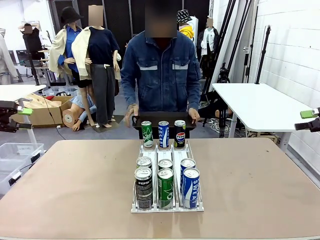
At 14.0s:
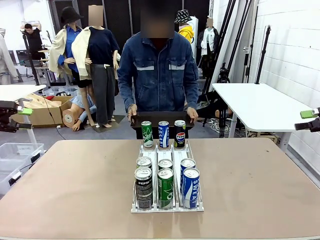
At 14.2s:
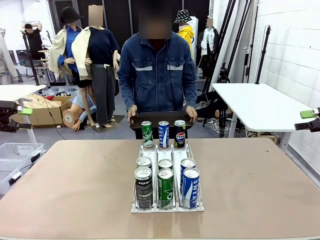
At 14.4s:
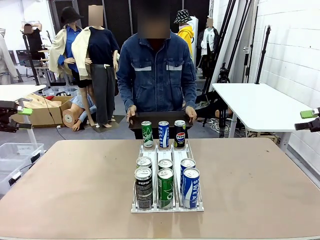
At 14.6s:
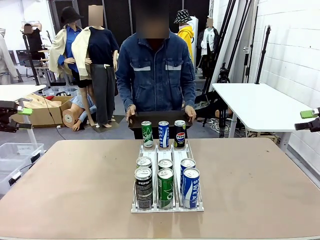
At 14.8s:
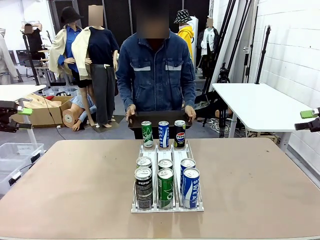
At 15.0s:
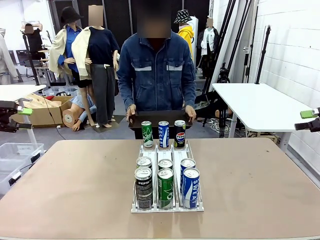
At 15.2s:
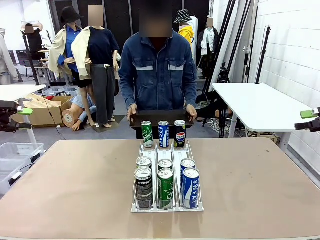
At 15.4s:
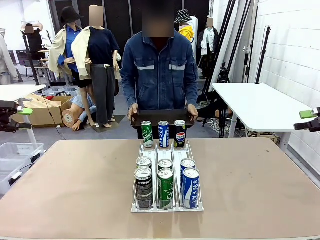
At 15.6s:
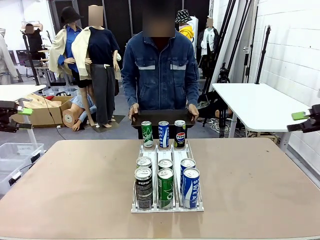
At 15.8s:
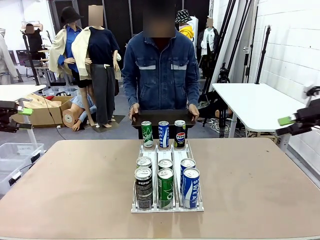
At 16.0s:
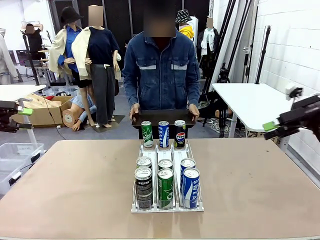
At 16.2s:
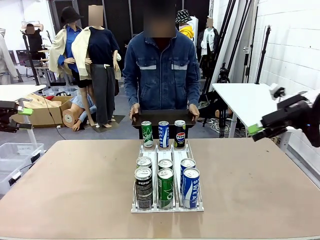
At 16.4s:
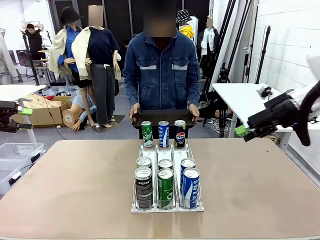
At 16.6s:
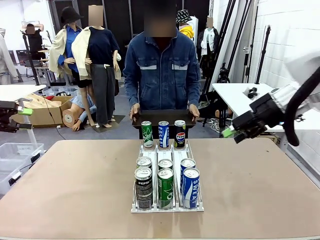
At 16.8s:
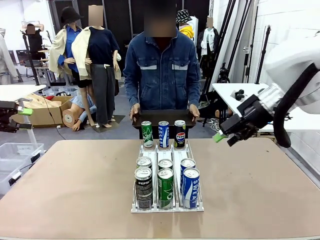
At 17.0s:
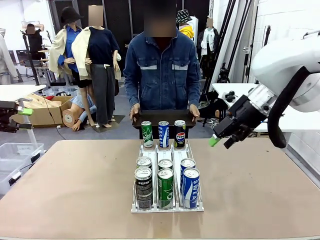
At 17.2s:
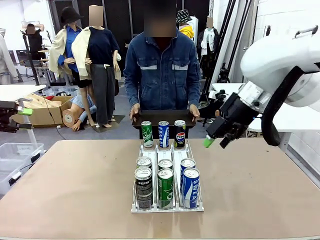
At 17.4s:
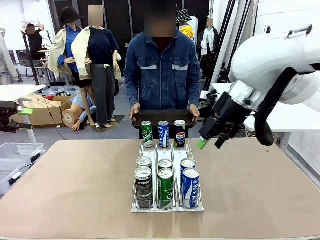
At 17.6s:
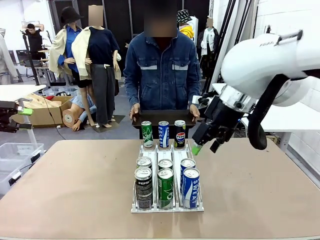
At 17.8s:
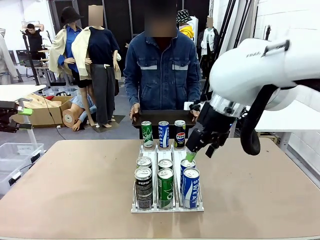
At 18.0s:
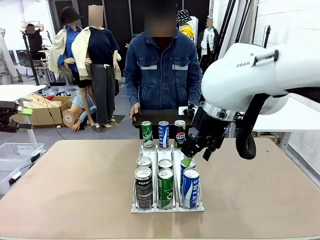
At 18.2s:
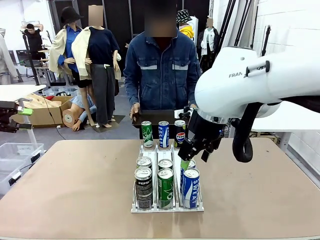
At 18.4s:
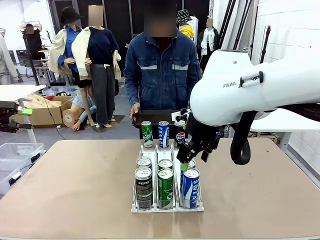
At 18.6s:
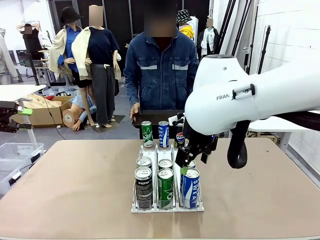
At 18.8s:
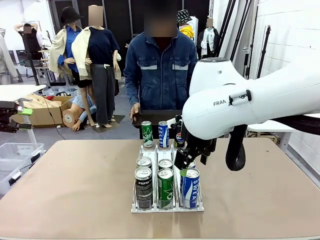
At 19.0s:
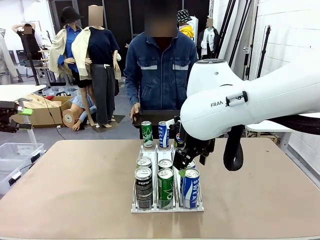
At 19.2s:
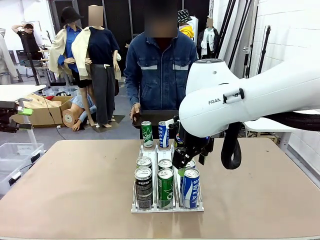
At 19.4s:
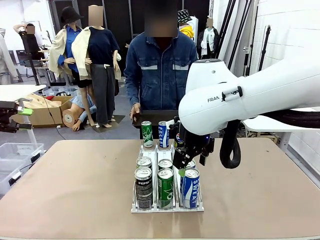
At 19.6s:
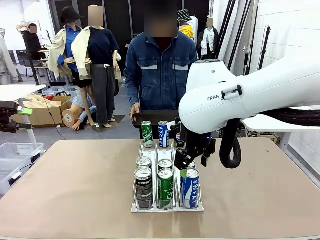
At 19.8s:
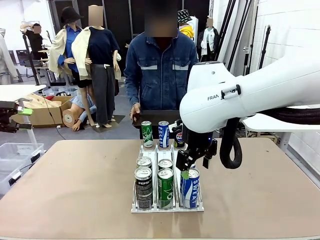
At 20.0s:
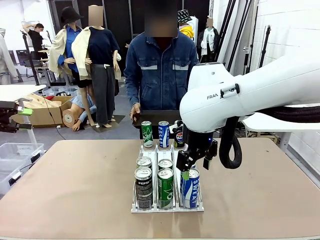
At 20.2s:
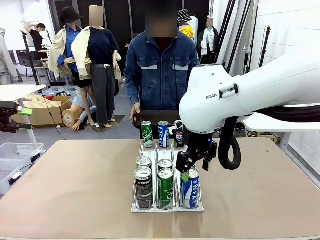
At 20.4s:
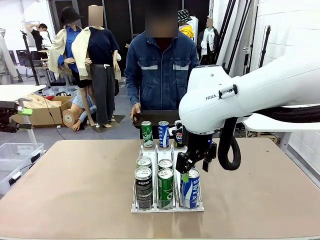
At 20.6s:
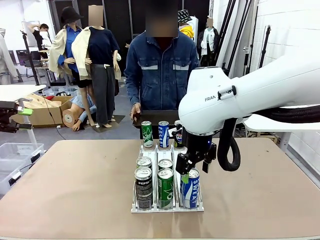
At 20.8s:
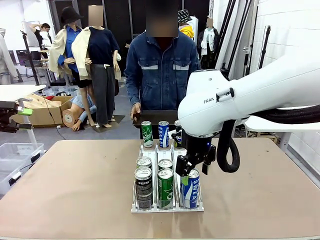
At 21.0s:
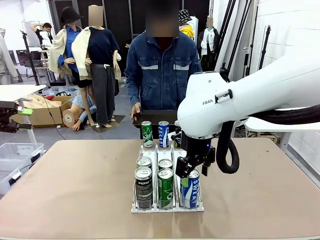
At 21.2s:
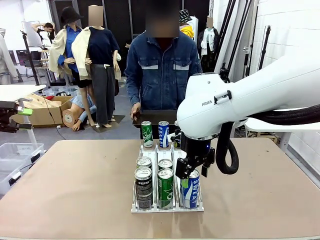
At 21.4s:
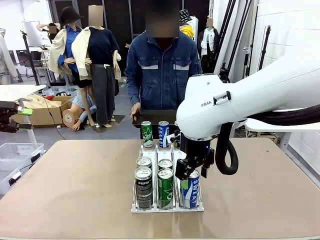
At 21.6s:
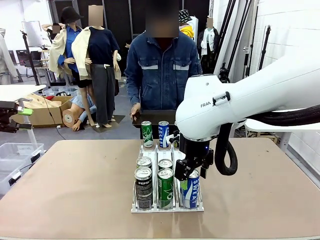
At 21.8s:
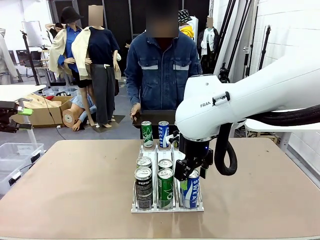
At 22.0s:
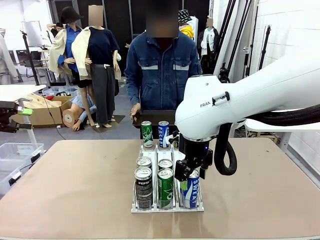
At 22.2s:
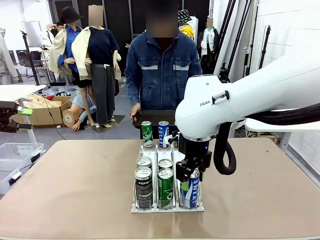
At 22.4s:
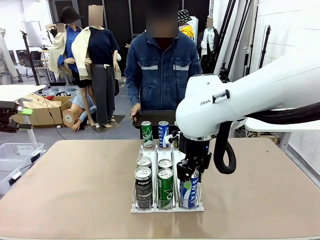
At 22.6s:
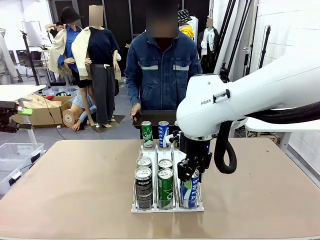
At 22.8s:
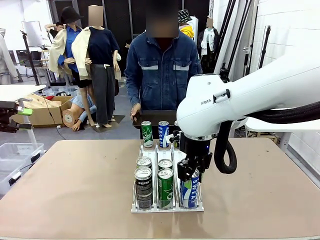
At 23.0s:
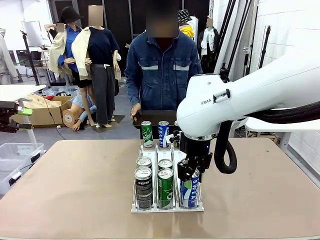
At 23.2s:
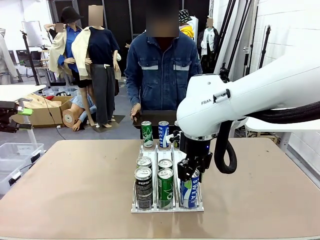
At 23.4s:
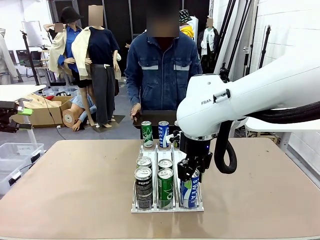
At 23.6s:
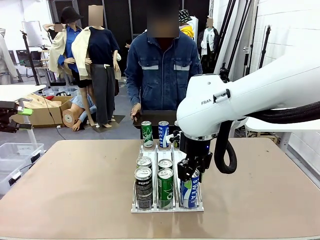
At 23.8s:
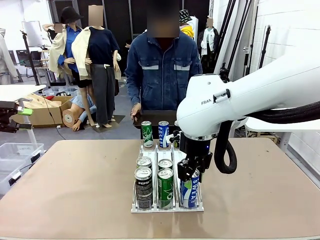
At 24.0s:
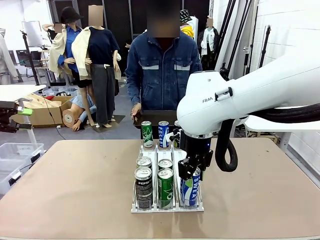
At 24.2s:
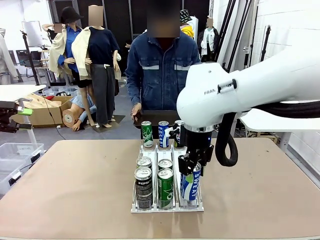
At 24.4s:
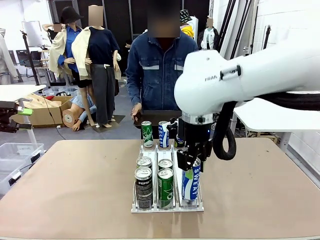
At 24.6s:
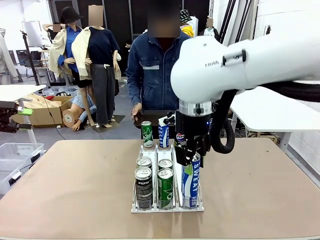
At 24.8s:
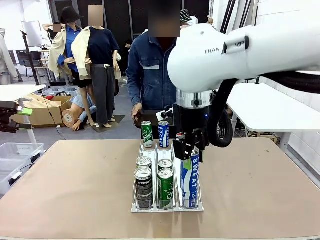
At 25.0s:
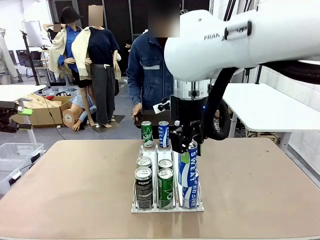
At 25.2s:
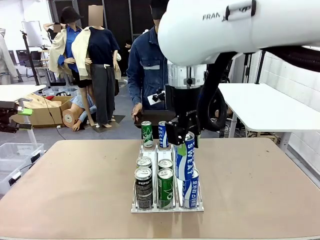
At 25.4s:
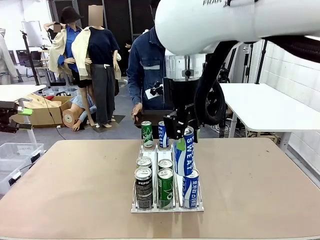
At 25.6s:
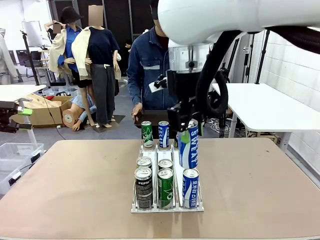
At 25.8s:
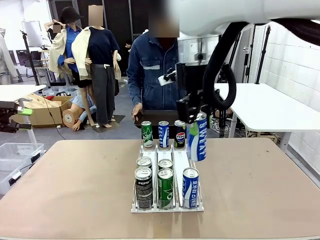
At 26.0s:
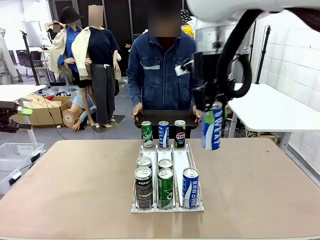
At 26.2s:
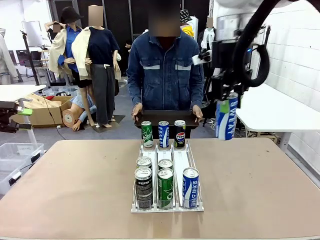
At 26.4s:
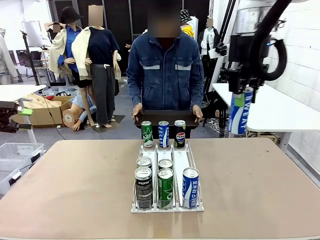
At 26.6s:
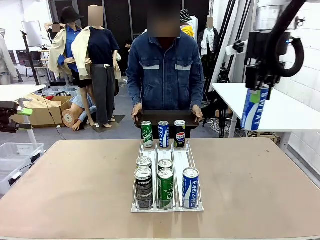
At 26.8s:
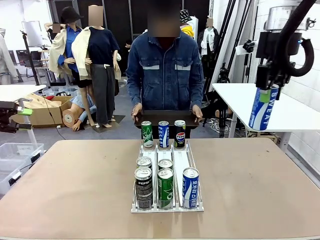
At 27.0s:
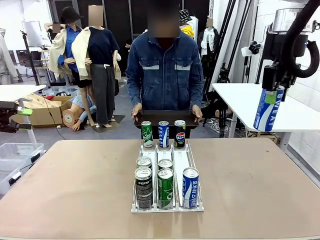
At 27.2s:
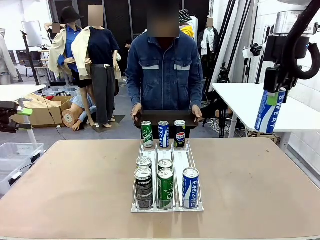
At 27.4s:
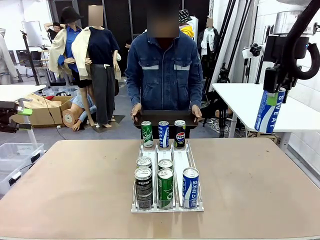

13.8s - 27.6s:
Task: Retrieve and hand over the desired beverage to the person.
Robot: Pick up a can of the same type that the person held from the Automatic Can Dispenser.
Person: Push the tray toward the robot.

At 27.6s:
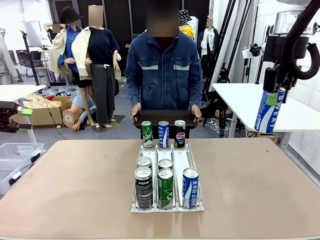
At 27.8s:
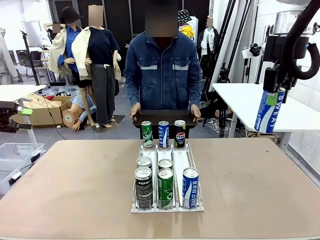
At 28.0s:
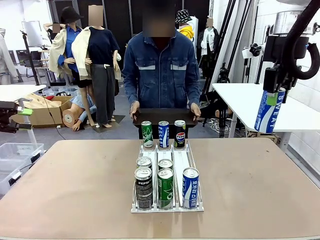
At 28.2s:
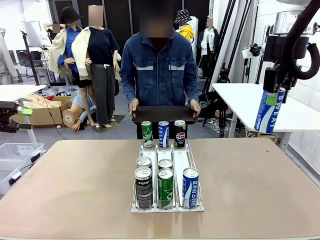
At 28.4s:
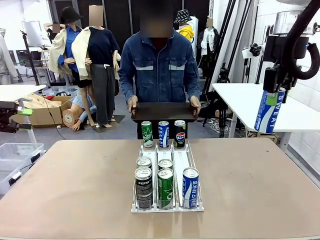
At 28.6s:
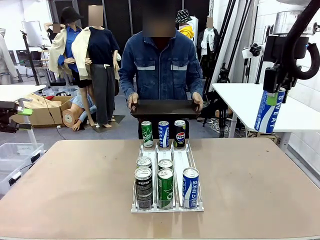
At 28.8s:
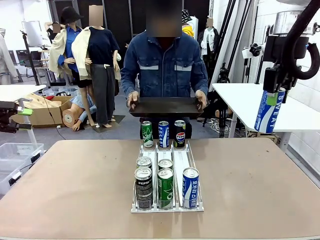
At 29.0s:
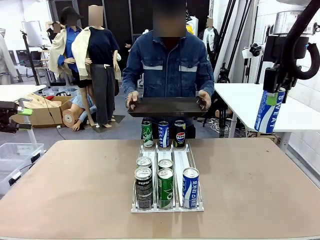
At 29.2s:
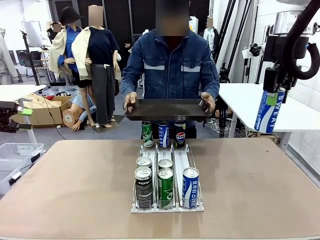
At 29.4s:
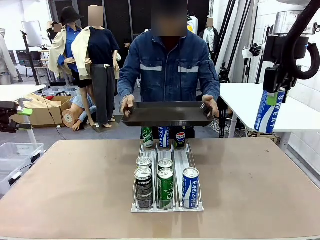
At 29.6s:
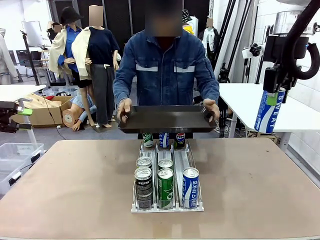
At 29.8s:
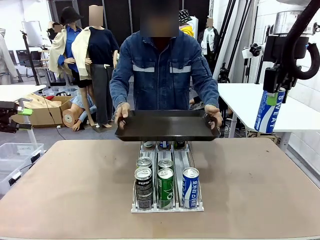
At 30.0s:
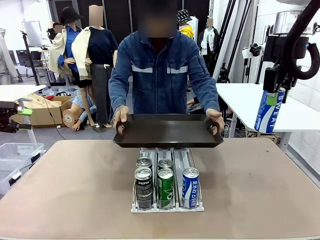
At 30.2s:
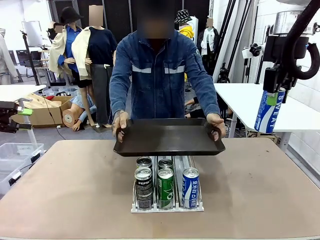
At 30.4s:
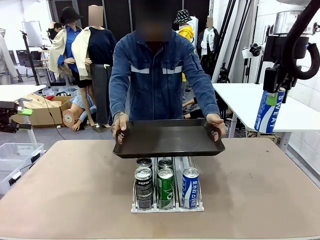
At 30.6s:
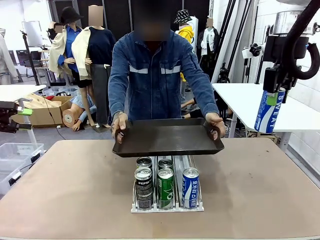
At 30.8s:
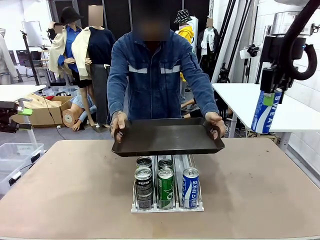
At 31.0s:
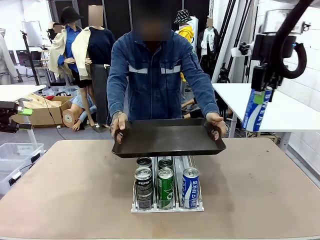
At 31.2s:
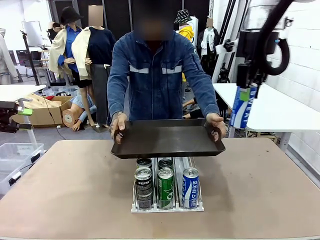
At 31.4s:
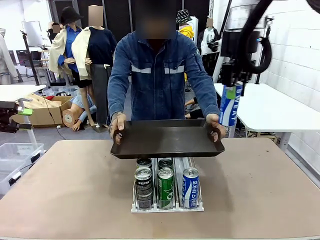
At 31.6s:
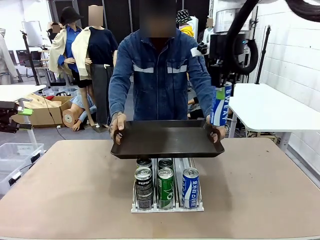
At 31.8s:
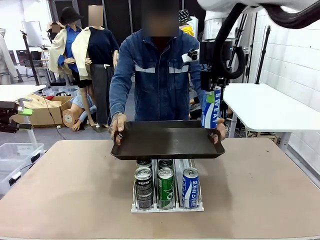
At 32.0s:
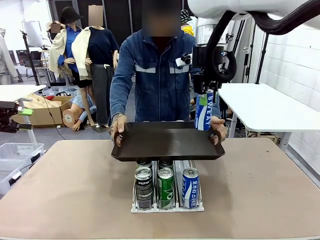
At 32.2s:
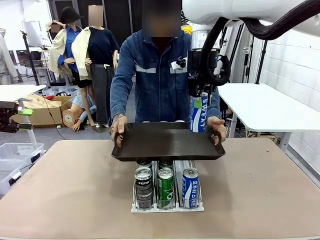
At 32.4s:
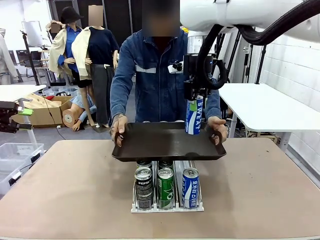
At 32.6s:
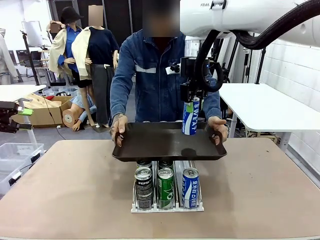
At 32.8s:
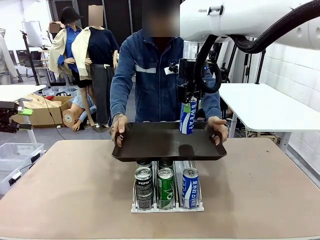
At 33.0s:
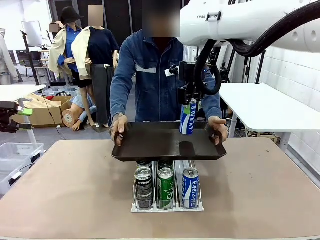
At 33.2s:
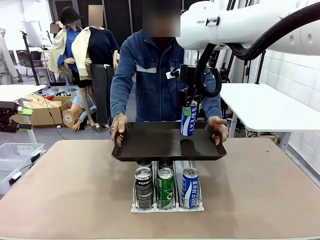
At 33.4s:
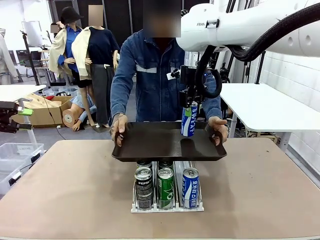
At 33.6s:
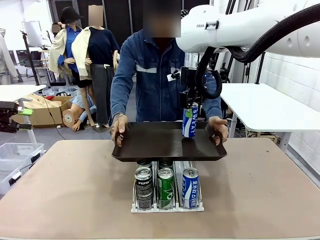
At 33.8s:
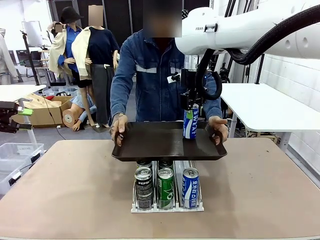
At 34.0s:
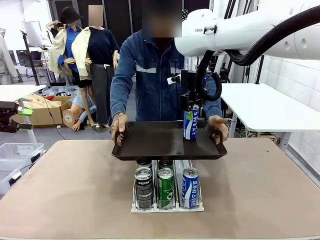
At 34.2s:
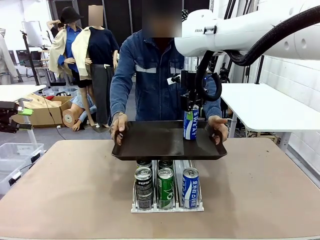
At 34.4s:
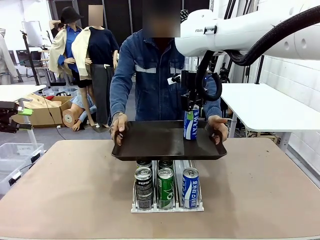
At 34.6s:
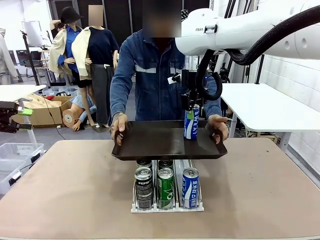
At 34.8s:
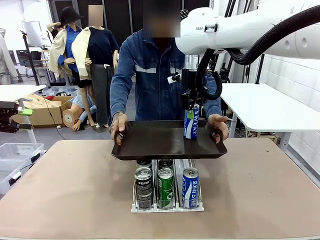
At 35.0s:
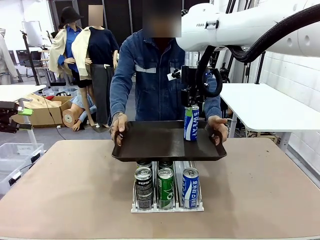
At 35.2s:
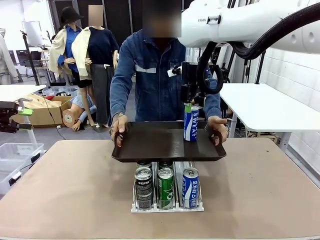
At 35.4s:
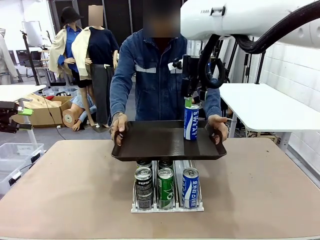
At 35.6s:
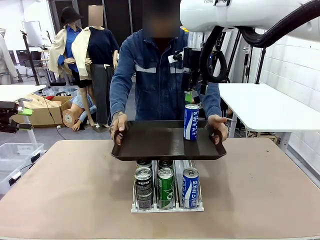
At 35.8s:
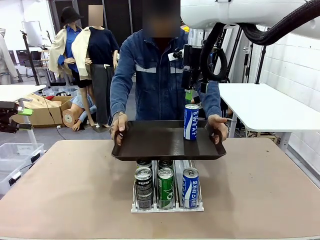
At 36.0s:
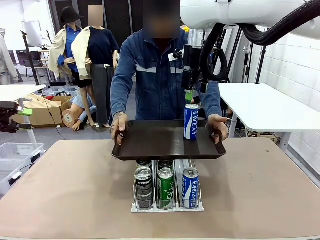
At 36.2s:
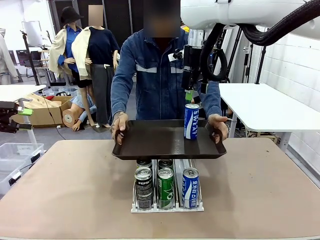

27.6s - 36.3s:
Robot: Place the picked can on the Handle tray extended by the person.

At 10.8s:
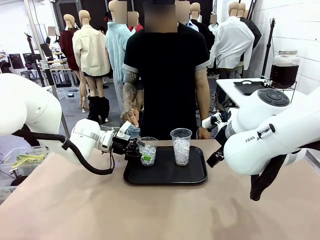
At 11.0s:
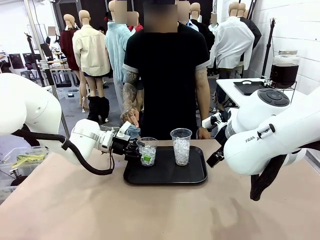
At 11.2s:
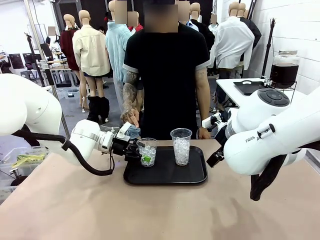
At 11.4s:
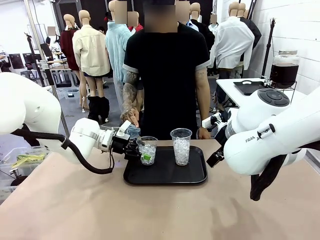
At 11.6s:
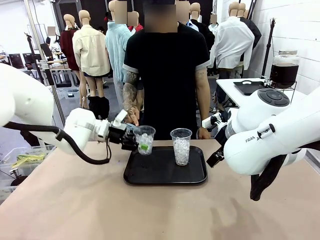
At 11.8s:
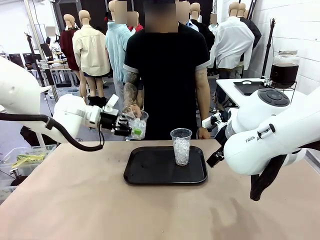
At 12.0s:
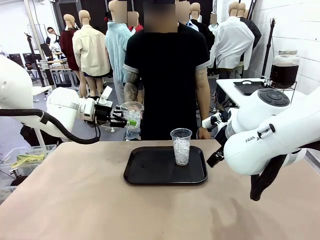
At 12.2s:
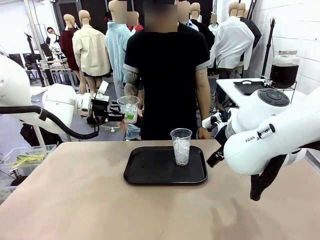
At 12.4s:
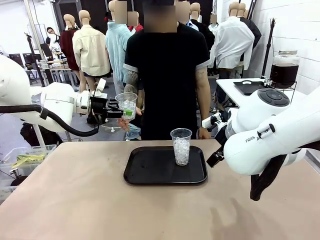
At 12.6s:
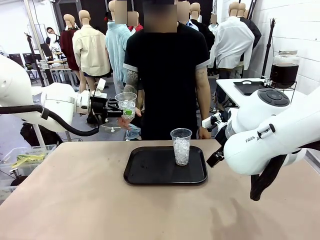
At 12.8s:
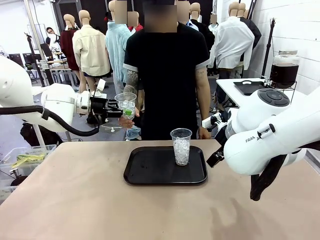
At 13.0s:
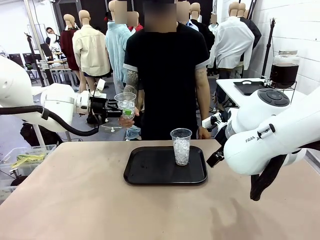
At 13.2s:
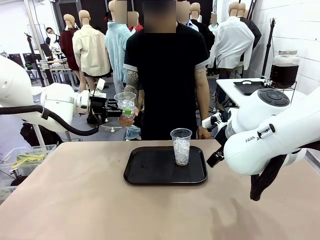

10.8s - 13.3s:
Task: Pour the drink into the iced cup.
Robot: Open the gripper to release the iced cup you were holding.
